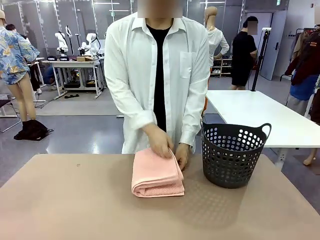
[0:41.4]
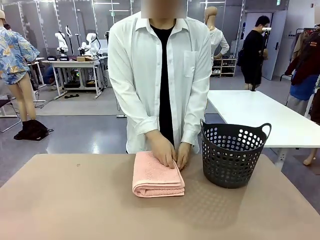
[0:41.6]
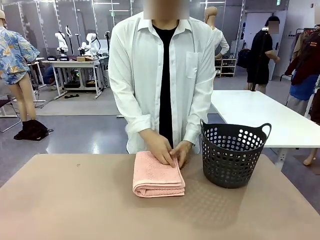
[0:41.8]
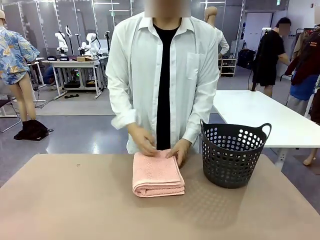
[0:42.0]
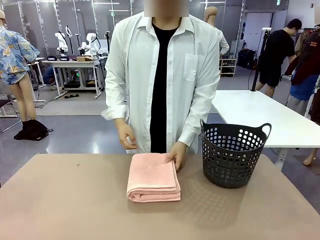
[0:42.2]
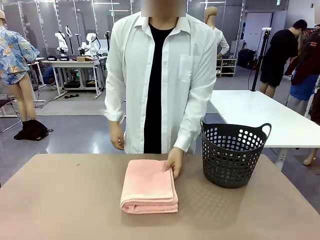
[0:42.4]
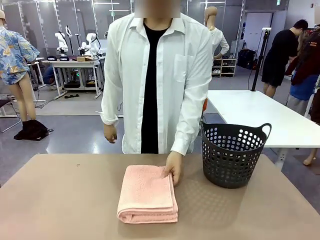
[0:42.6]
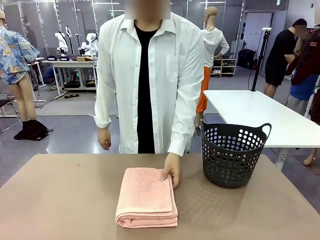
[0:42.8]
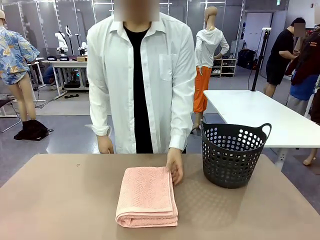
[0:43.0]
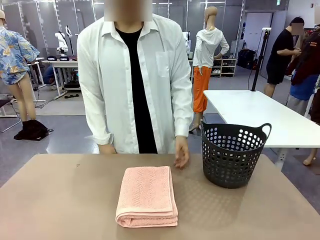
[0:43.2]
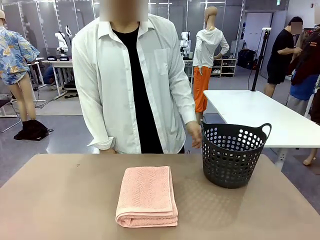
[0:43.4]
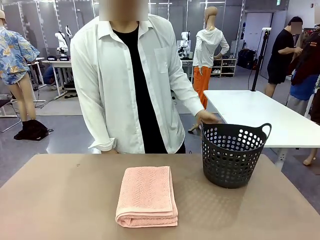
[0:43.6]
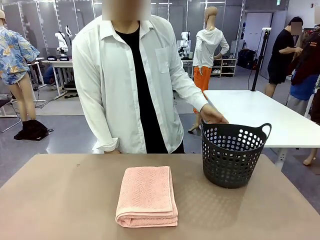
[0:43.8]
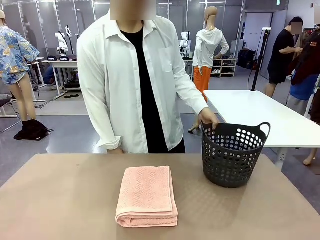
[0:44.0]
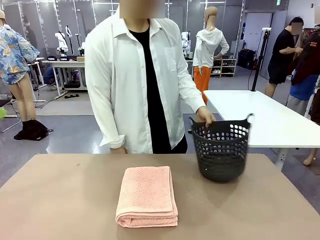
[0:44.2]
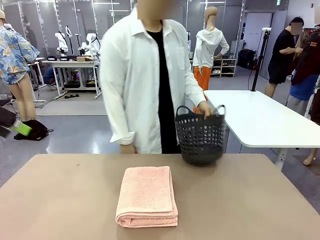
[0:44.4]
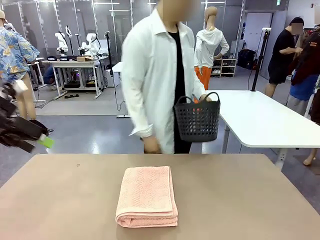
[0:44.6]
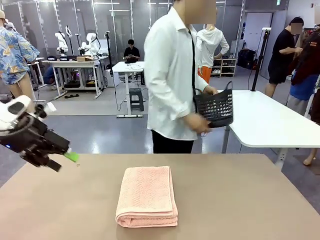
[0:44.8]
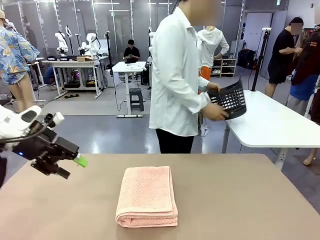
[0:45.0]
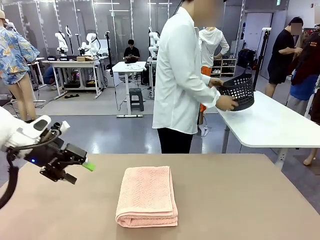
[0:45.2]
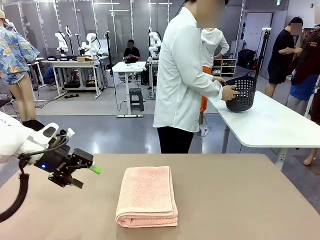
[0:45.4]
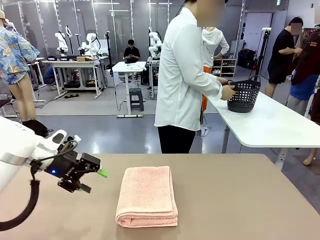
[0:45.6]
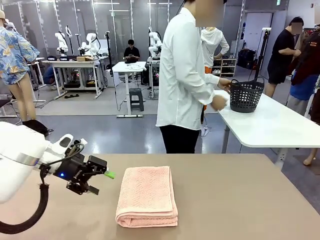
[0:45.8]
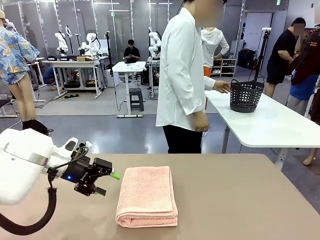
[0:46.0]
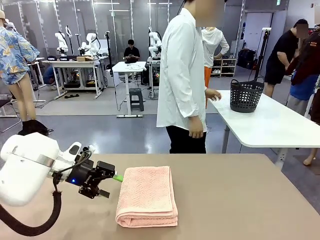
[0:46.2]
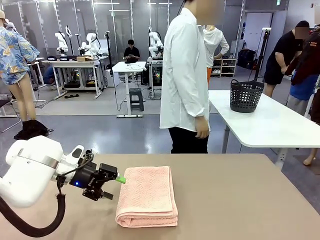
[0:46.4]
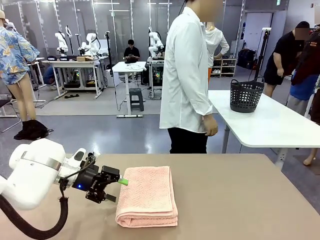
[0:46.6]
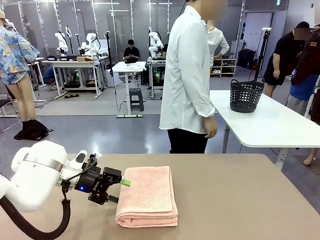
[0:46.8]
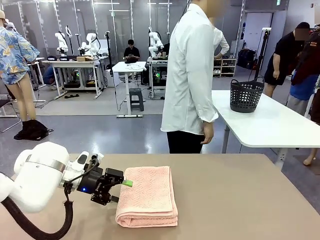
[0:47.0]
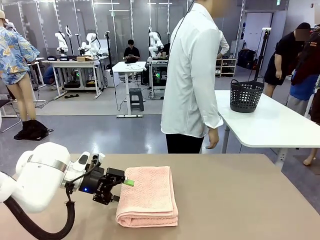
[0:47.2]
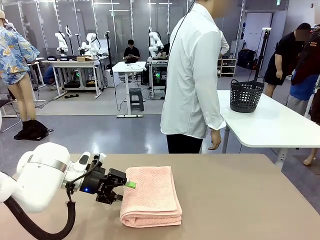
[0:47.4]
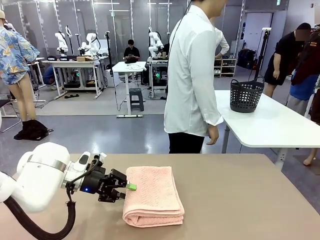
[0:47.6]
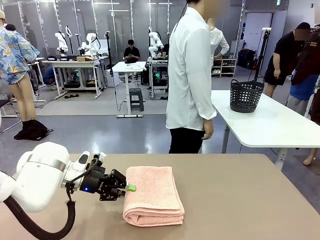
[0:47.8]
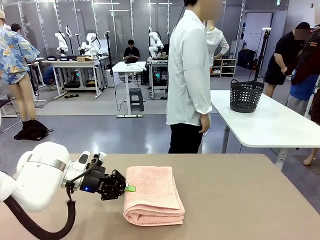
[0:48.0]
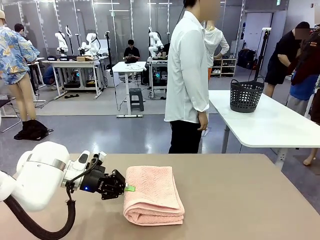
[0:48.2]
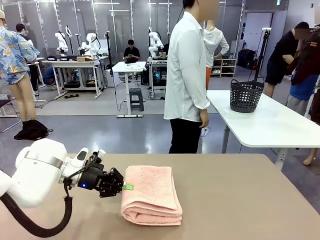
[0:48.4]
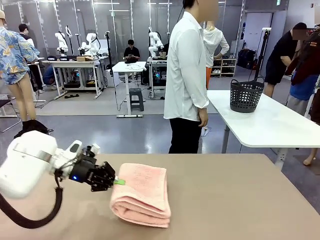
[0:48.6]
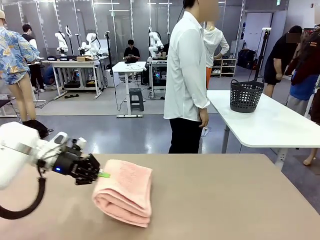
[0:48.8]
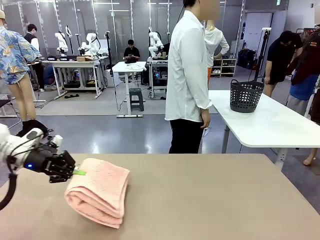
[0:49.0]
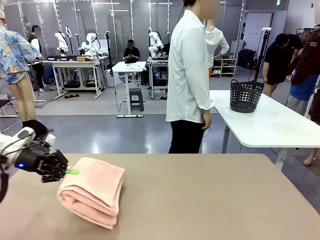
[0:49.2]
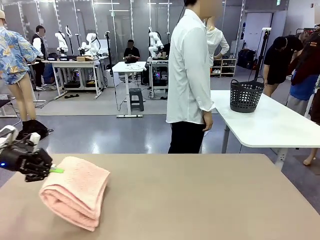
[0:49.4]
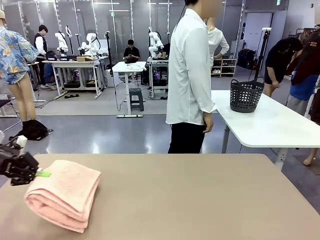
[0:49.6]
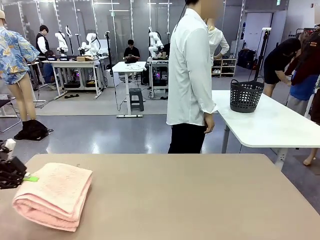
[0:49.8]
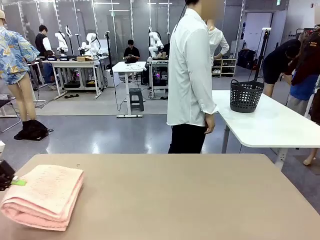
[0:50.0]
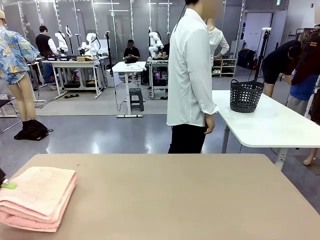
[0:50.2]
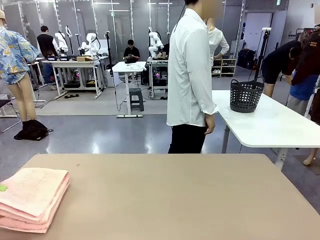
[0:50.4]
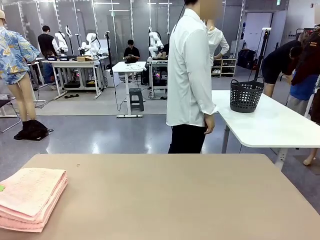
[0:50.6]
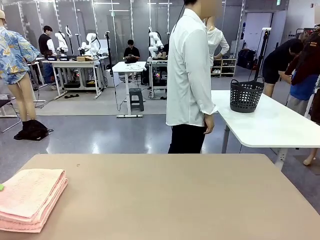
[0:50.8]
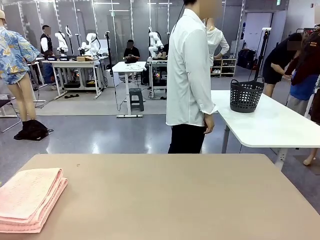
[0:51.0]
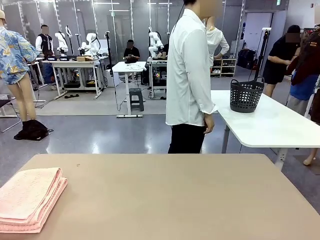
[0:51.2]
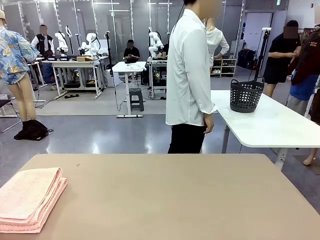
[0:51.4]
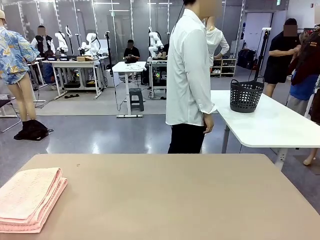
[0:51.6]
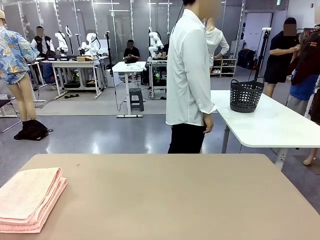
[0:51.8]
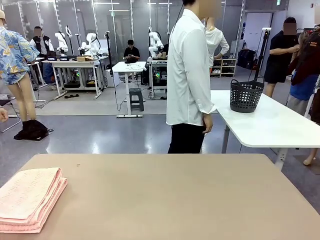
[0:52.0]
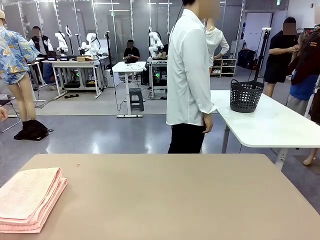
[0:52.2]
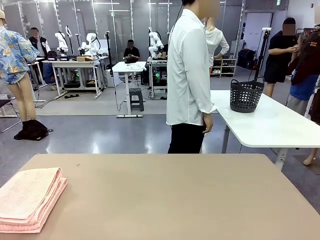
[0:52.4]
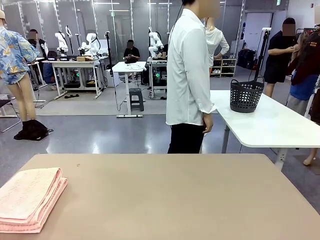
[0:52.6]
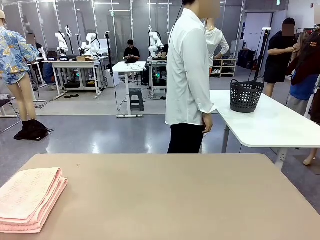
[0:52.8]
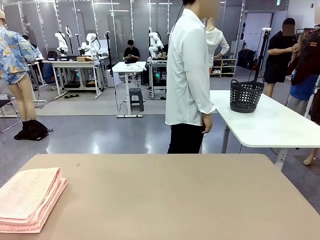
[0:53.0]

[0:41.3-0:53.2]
Task: Fold the towel.
Robot: Pick up the 100 cm Hotel Towel and place it on the left side of the table.
Person: Pick up the laundry basket and place it at the center of the human table.

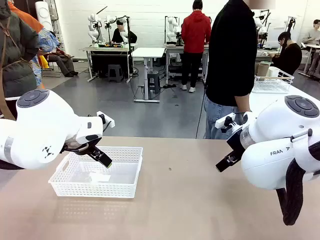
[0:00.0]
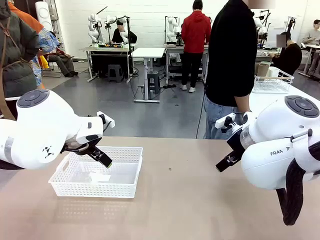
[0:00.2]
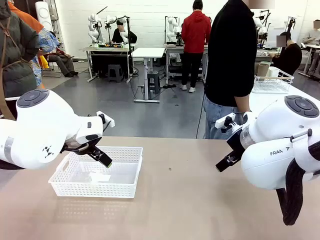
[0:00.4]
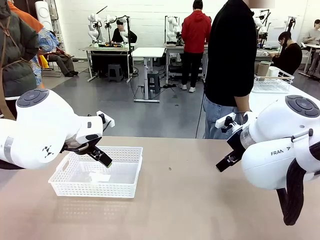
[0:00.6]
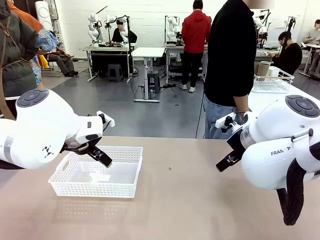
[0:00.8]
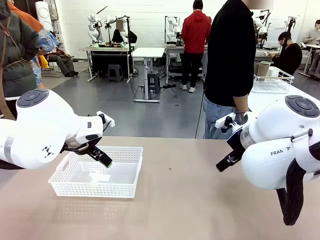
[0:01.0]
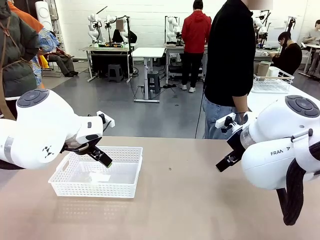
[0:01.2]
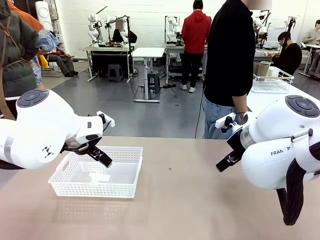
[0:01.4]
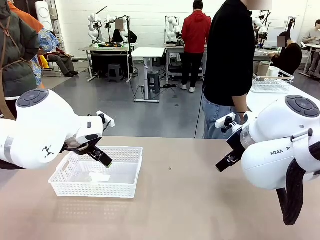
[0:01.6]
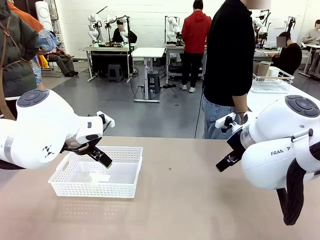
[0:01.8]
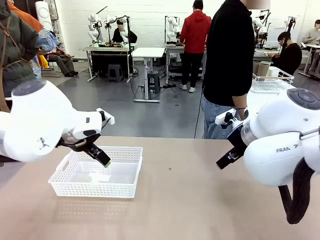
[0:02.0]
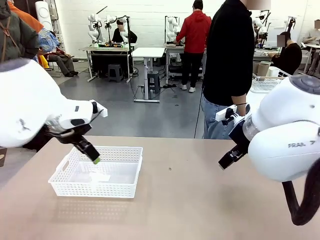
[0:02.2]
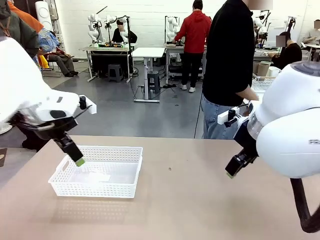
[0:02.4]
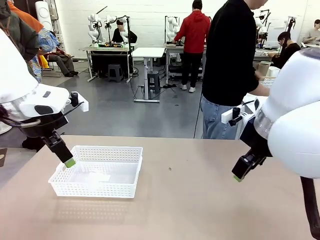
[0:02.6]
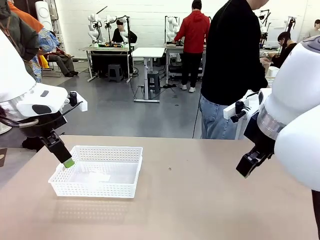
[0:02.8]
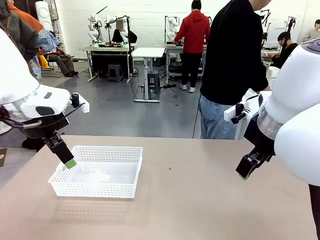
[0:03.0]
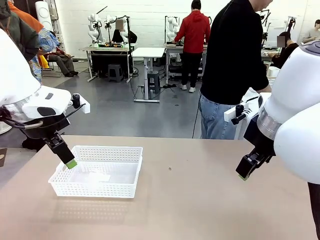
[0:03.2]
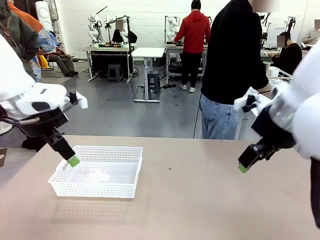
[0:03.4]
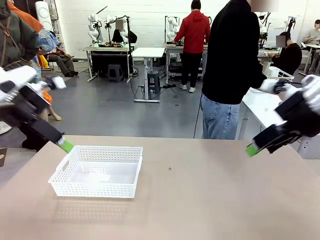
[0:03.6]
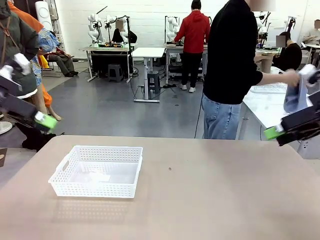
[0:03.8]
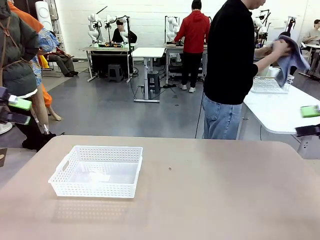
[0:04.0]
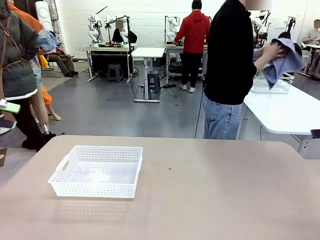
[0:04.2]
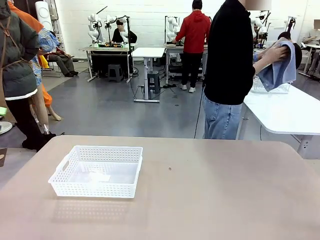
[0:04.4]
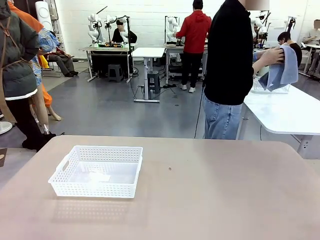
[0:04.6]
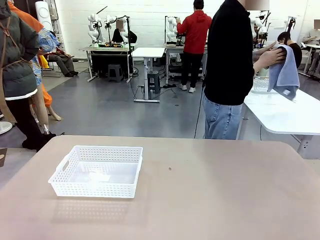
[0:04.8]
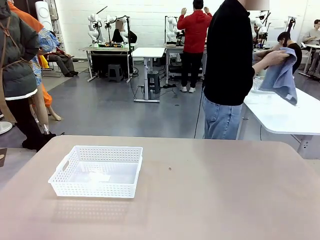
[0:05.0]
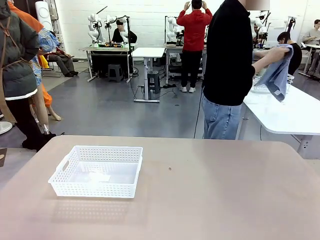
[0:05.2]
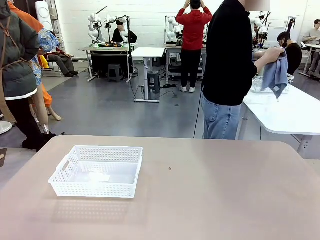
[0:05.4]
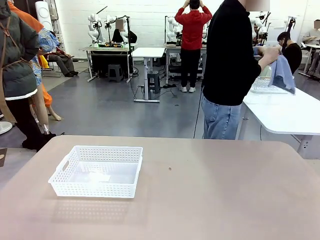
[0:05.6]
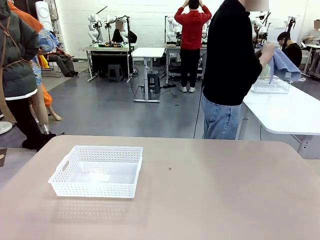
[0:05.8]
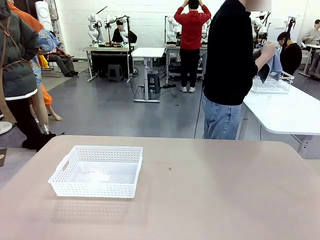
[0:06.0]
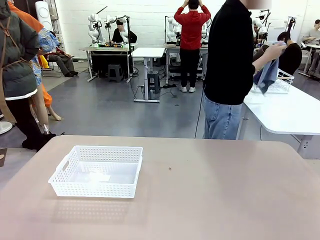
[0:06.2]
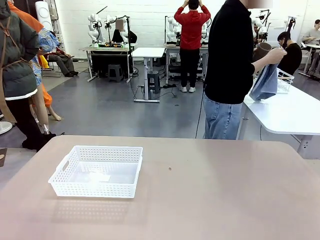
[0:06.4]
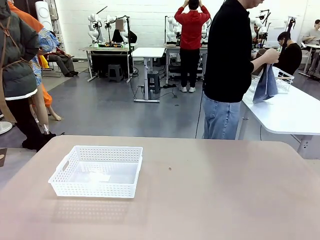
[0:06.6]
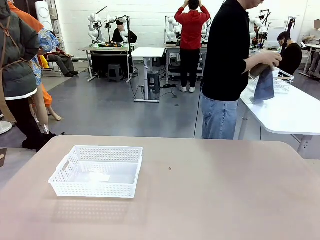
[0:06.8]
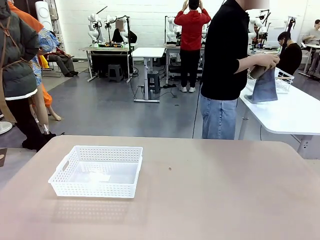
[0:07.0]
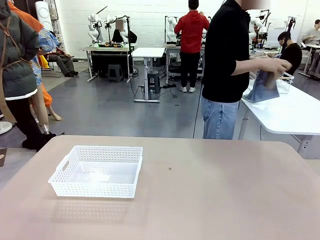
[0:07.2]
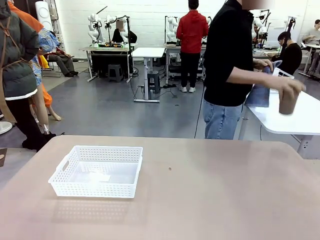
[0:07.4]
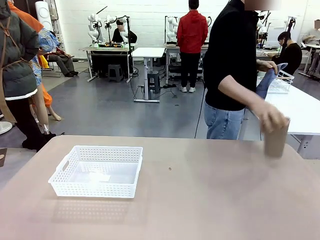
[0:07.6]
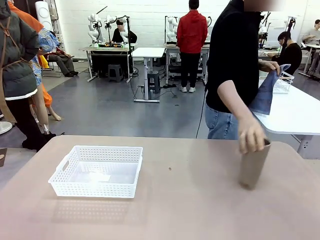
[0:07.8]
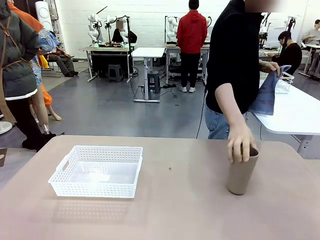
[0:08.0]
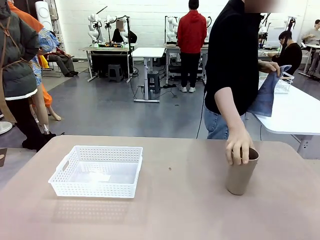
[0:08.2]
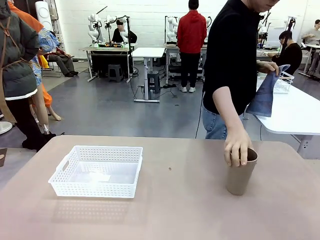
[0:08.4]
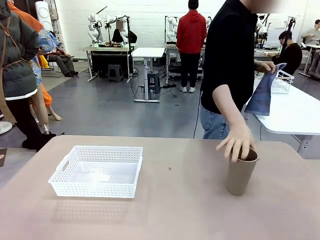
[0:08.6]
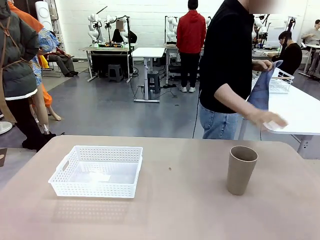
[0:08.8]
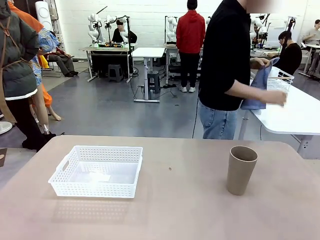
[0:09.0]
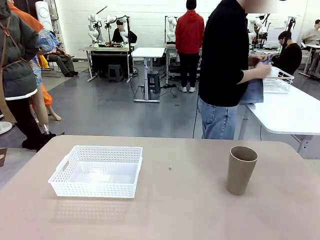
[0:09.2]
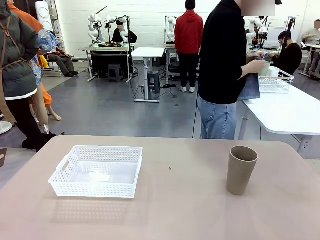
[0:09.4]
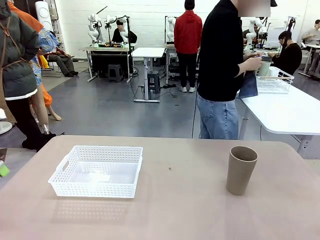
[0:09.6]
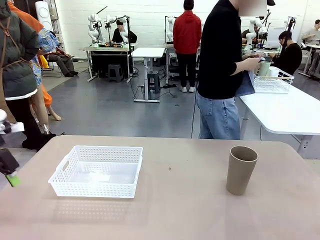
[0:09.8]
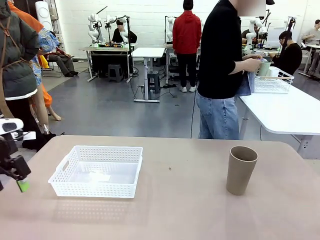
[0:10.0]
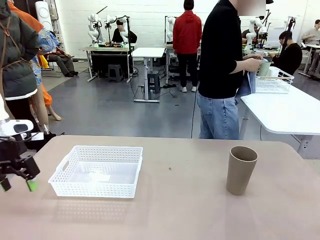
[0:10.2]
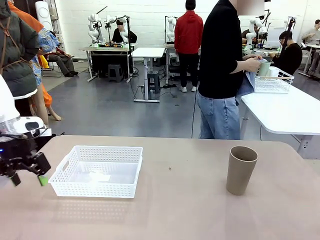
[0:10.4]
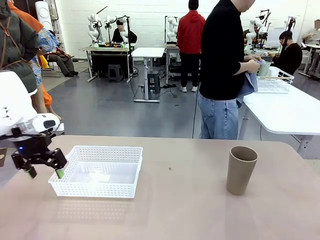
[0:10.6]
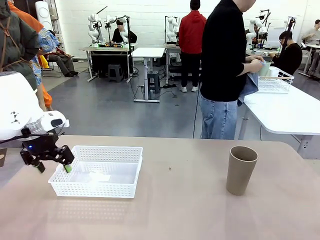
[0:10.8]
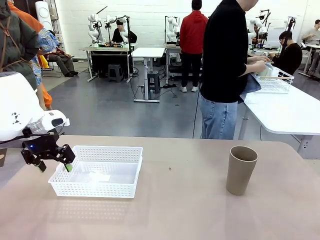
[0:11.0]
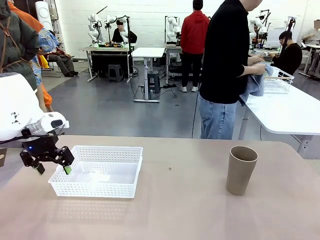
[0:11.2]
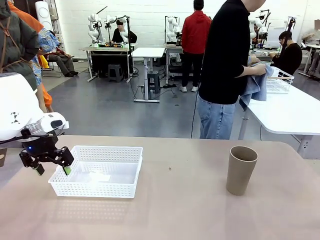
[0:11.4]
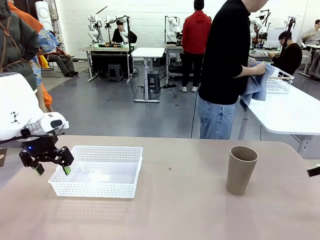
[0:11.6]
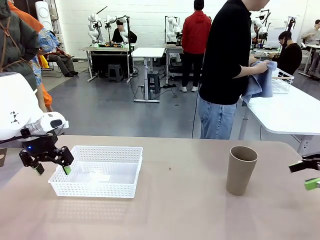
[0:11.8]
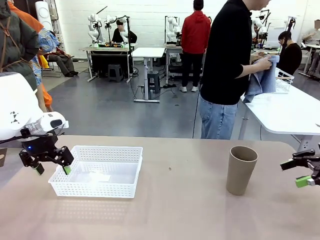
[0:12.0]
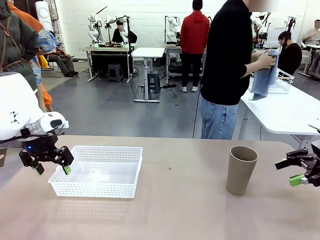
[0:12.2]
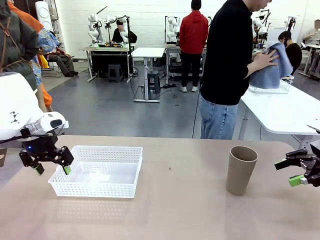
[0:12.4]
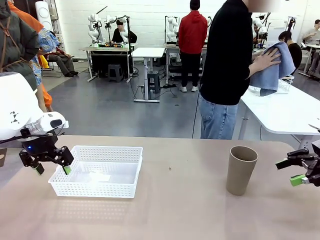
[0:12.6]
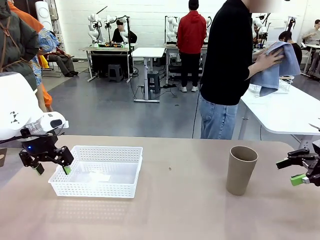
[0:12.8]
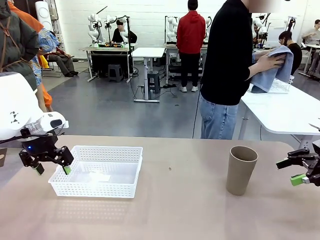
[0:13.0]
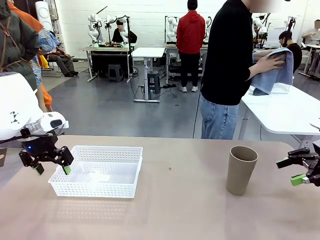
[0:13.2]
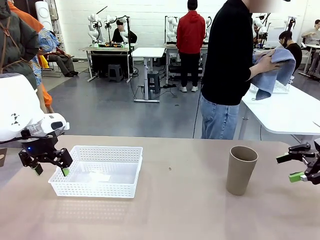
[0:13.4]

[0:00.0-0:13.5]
Task: Clean and organize the cups into the basket.
Robot: Pick up the Organizing basket and move it to the center of the table, then pick up the Reusable plastic cup from the right side of the table and place it inside the Organizing basket.
Person: Picks up a cup and a towel, cleans the cup with the towel, and places it on the left side of the robot table.
